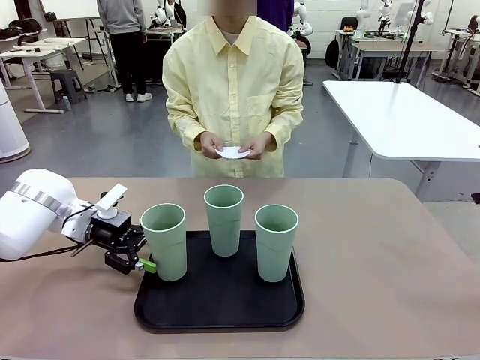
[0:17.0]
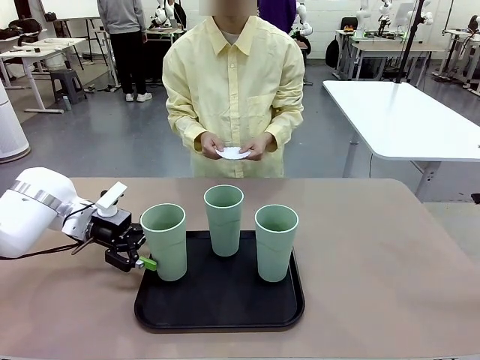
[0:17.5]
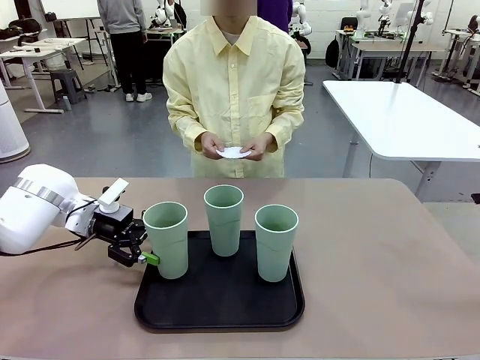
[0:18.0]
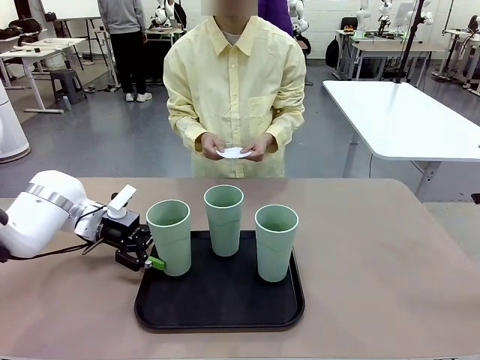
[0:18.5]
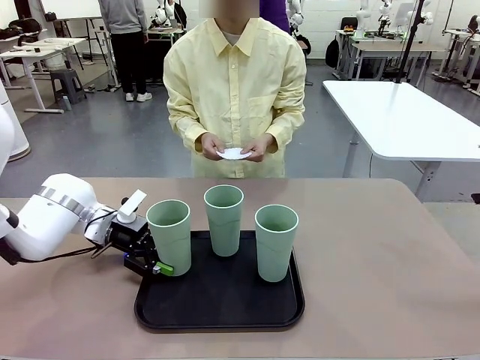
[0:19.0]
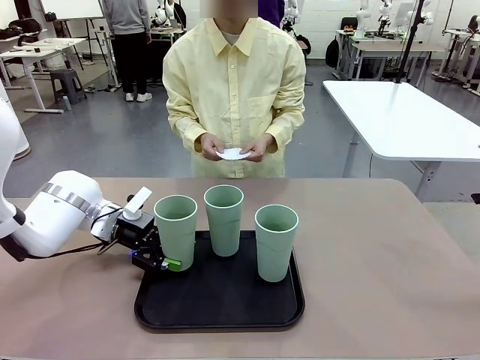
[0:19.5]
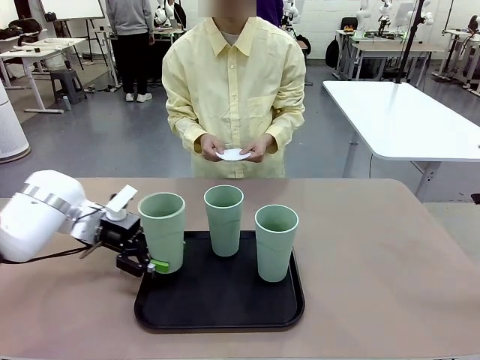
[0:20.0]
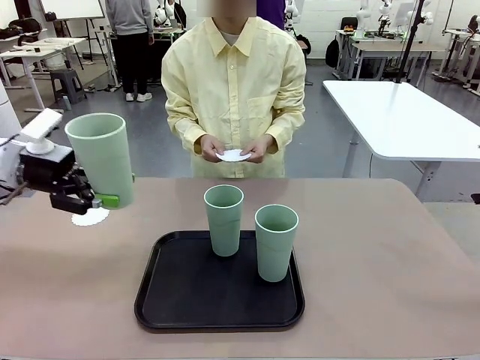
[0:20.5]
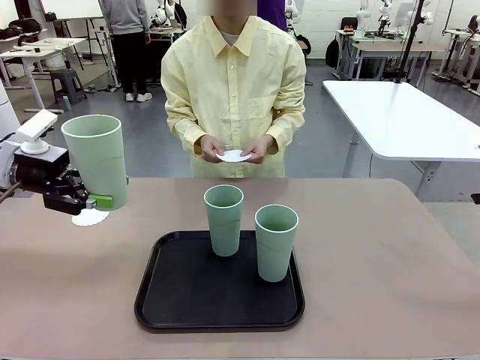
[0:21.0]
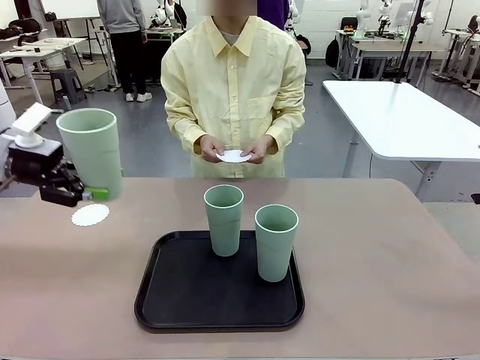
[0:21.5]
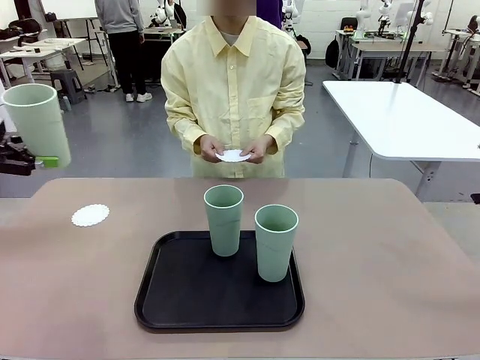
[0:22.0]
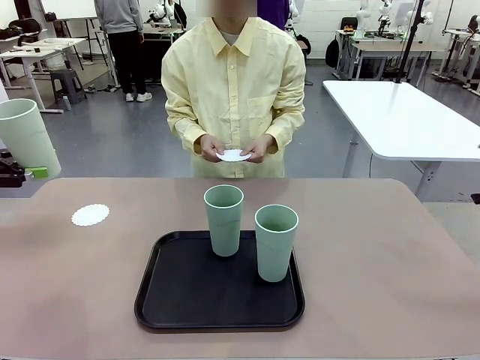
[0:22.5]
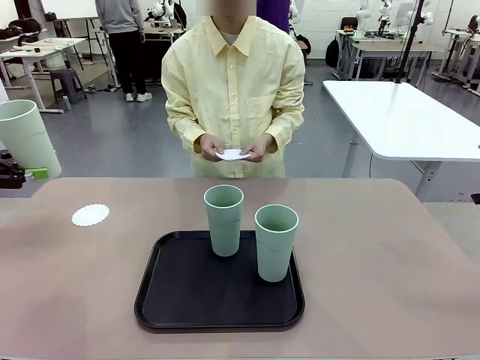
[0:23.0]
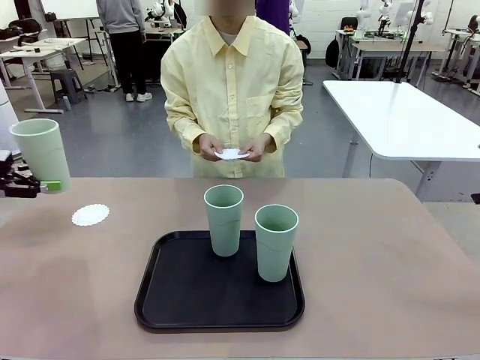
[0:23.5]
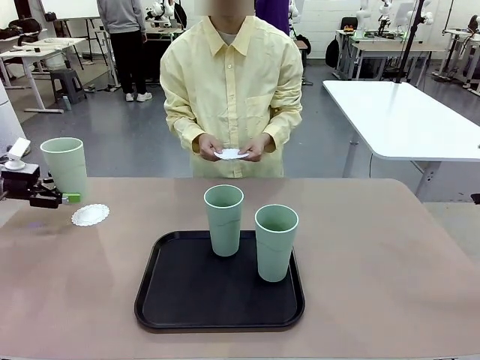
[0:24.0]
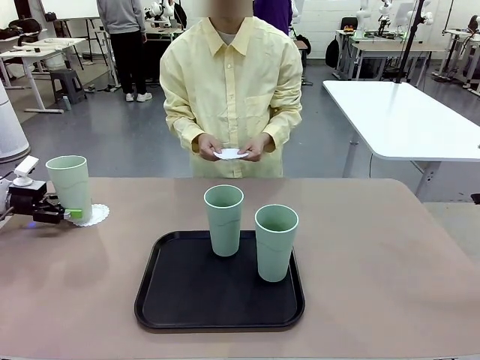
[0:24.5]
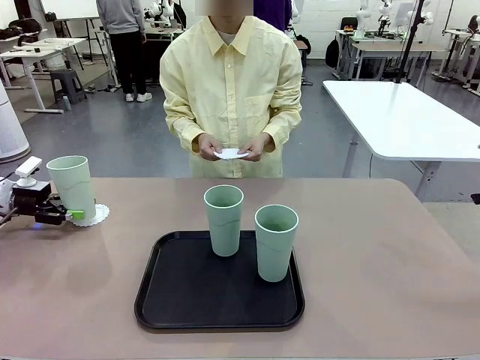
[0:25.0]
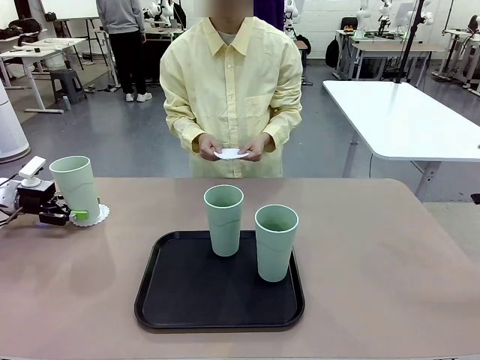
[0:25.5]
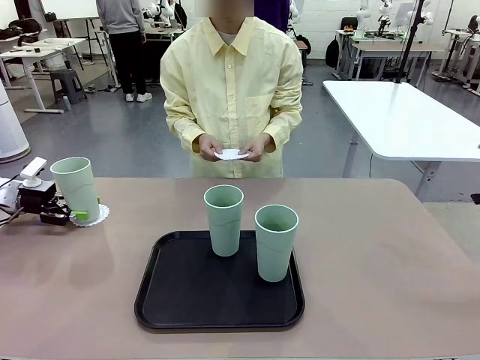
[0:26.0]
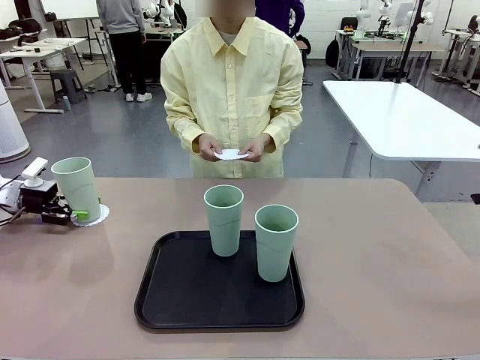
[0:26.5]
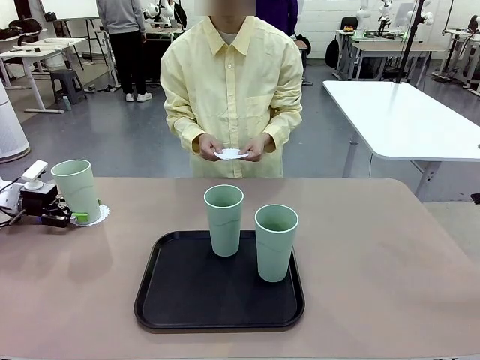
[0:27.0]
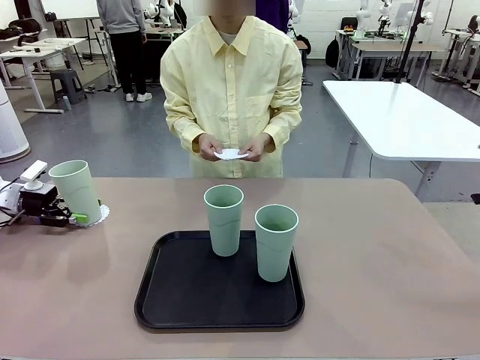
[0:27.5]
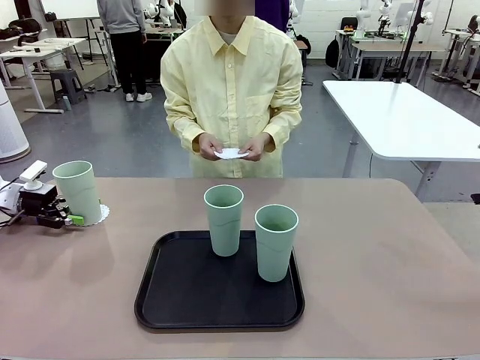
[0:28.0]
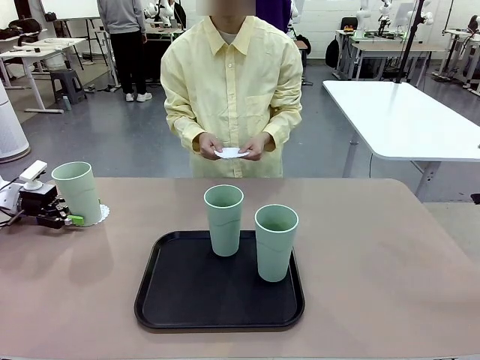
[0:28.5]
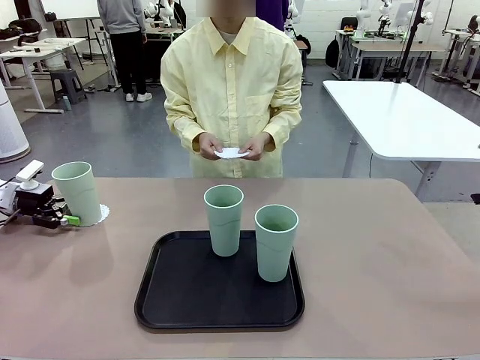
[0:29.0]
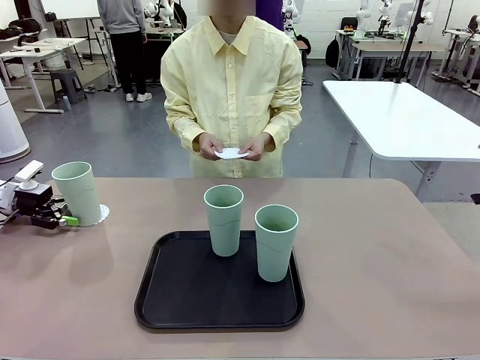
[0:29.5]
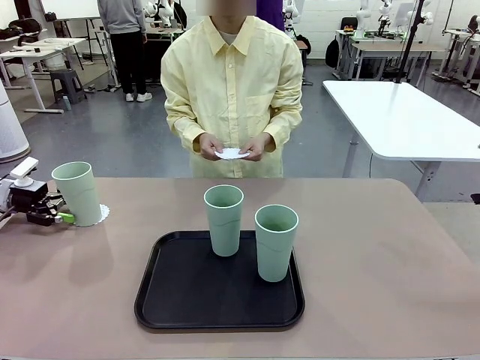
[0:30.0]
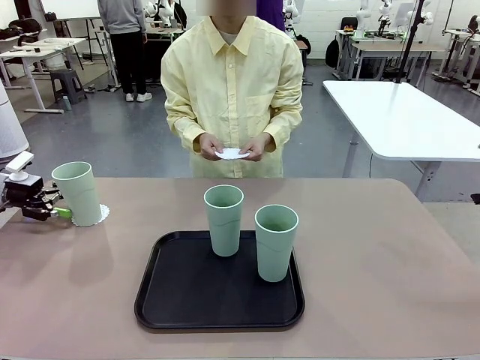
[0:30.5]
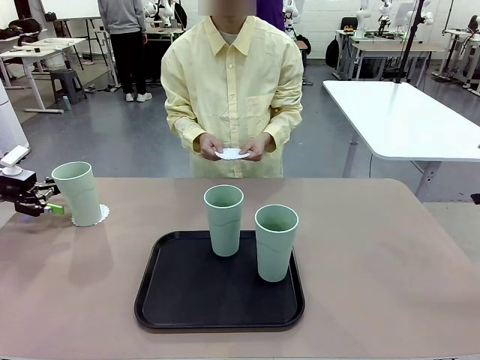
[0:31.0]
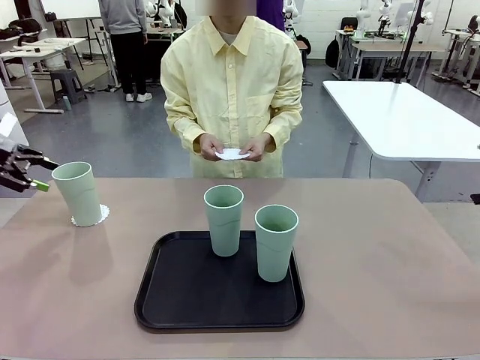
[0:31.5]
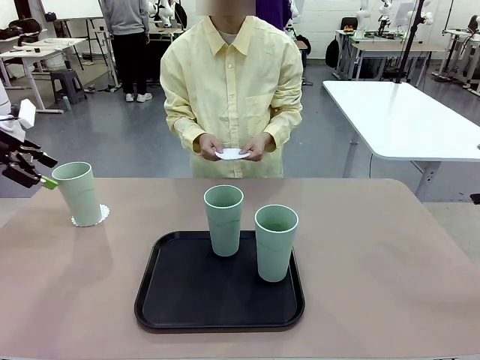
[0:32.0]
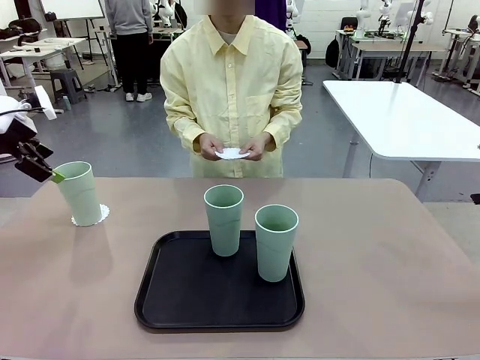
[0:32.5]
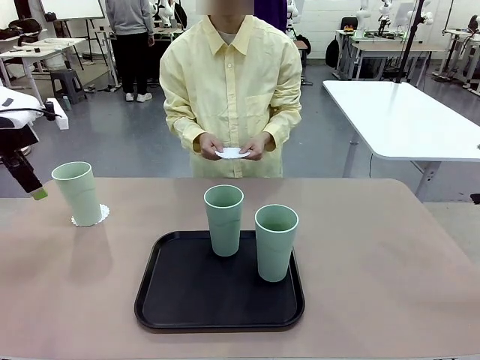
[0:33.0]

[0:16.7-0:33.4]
Task: Place coasters on the table and set cups on them.
Robot: Pick up one Reusable plastic cup and place it on a coaster set by the human.
Person: Place one coaster in one of the two areas excluding the previously selected area.

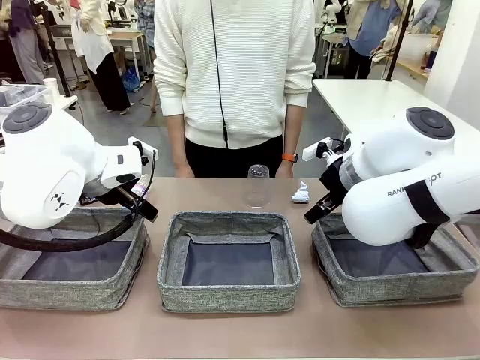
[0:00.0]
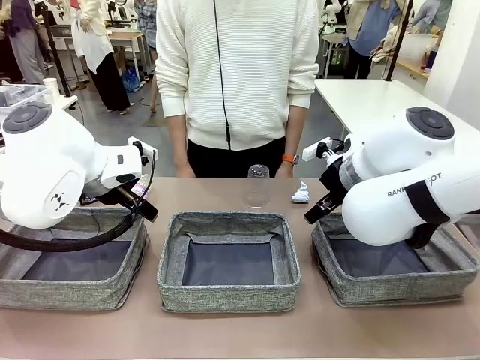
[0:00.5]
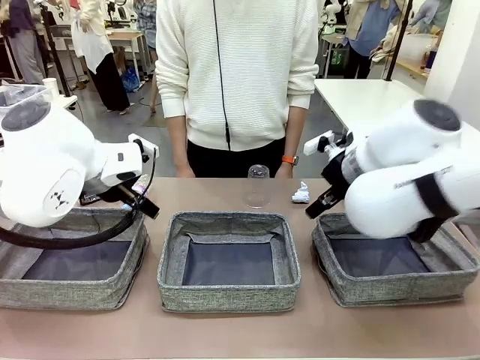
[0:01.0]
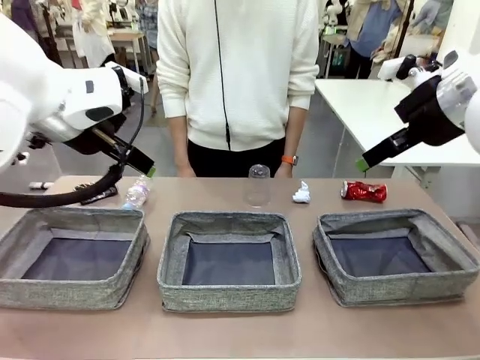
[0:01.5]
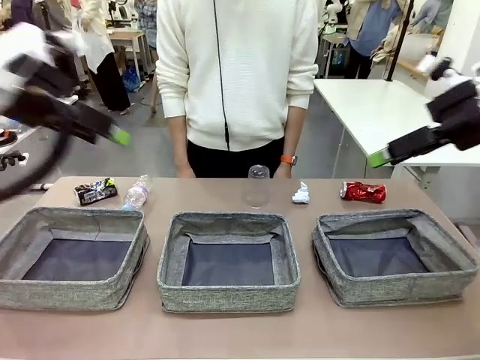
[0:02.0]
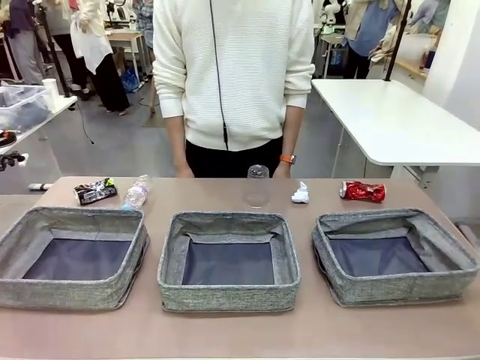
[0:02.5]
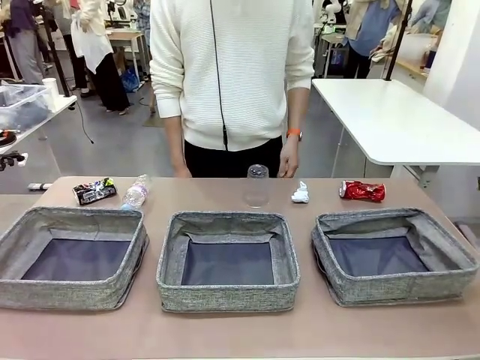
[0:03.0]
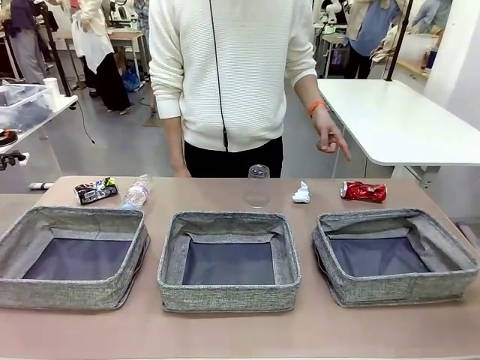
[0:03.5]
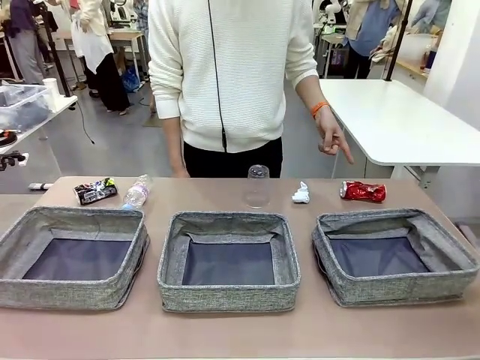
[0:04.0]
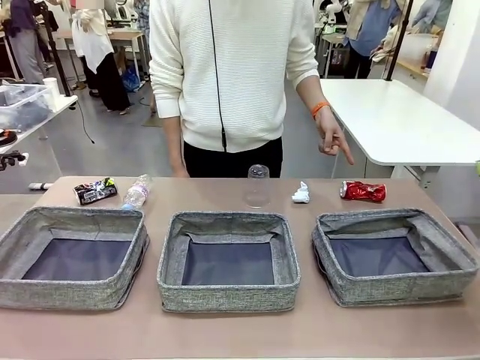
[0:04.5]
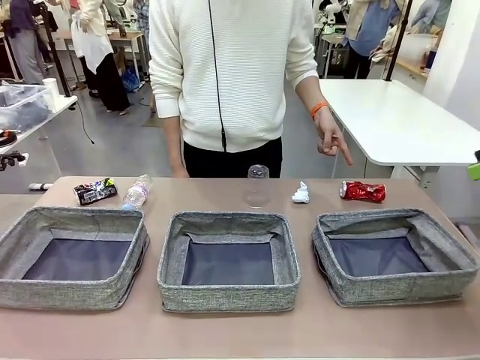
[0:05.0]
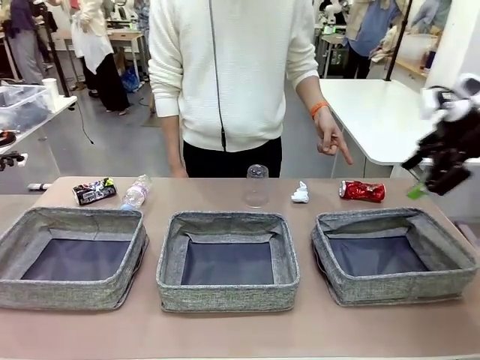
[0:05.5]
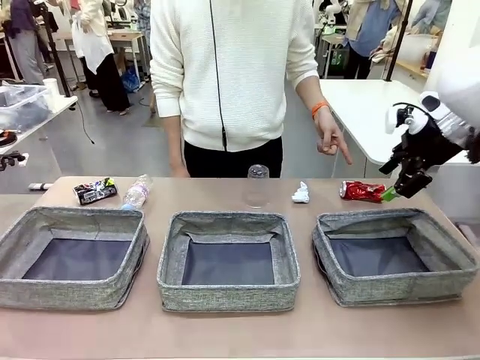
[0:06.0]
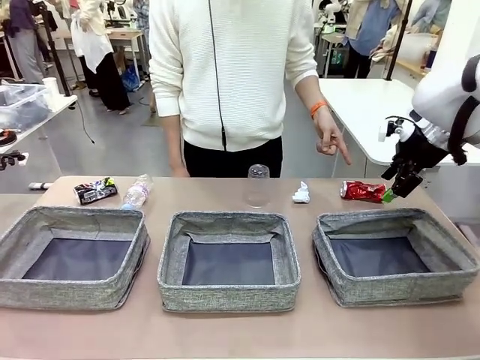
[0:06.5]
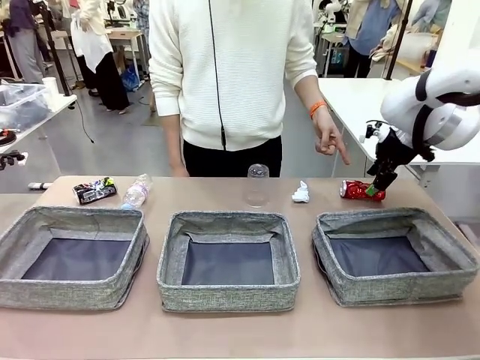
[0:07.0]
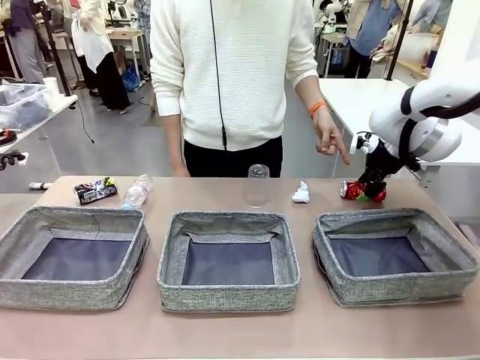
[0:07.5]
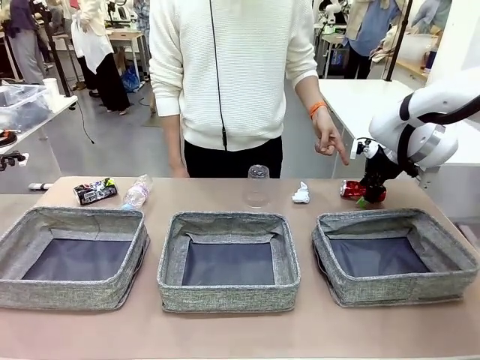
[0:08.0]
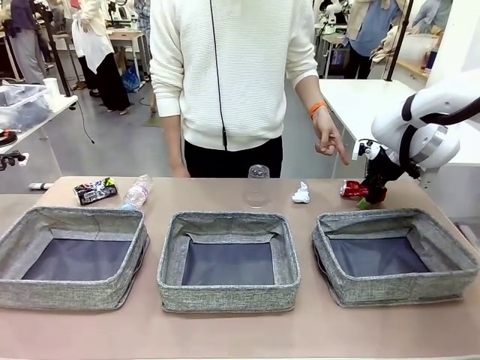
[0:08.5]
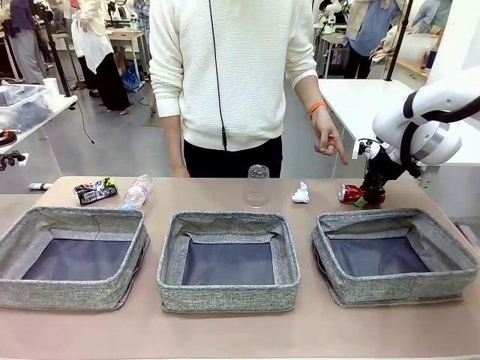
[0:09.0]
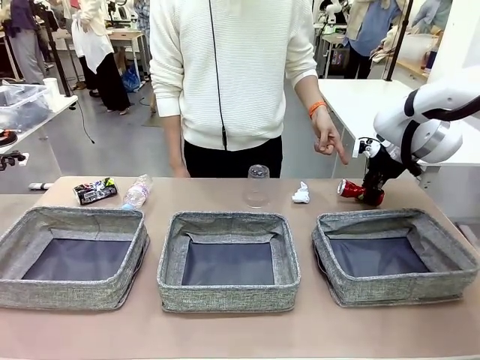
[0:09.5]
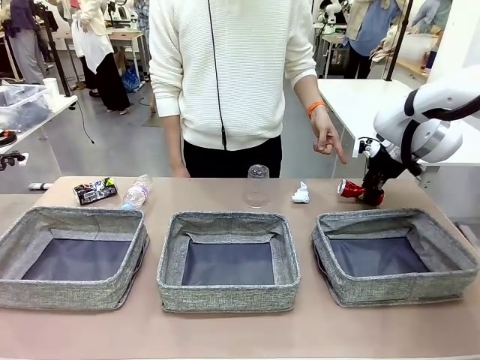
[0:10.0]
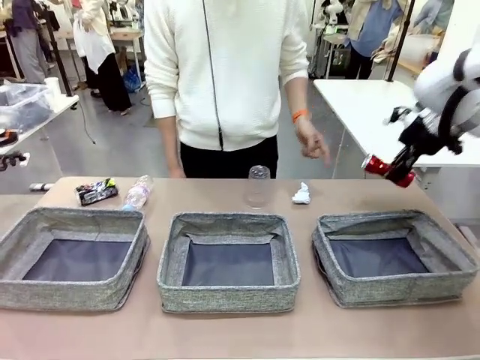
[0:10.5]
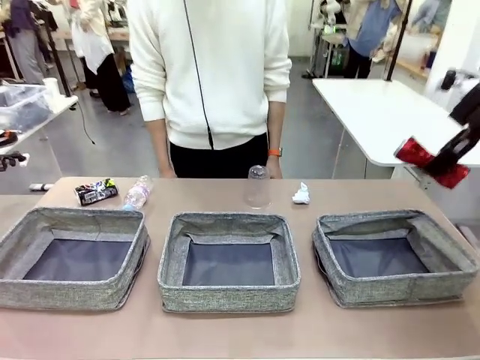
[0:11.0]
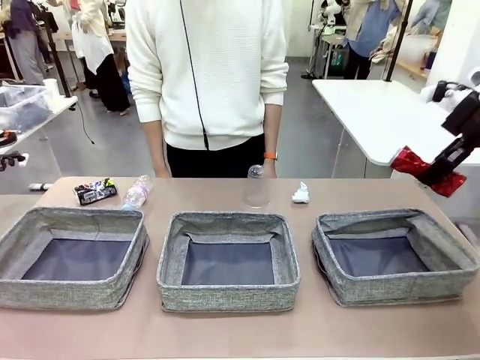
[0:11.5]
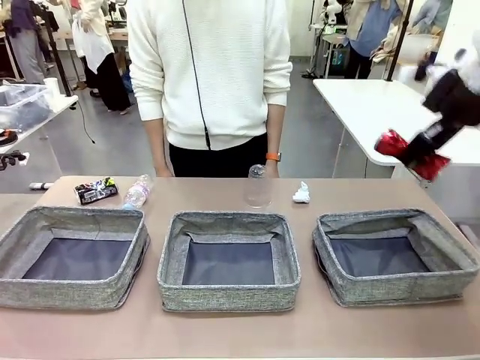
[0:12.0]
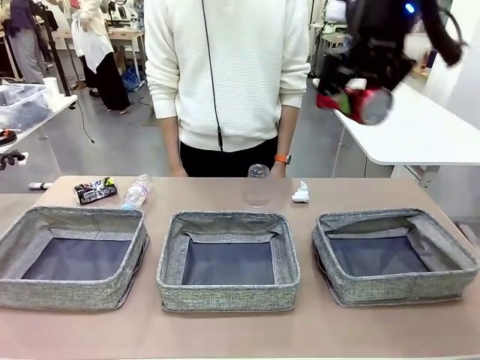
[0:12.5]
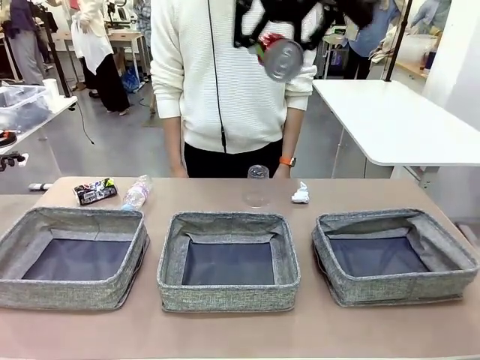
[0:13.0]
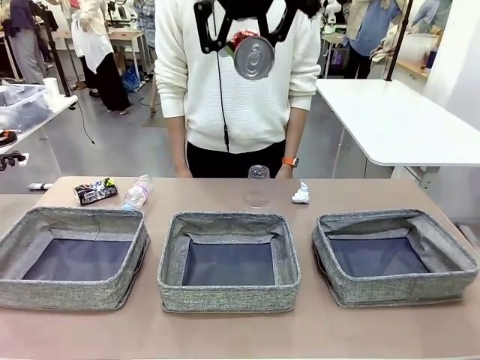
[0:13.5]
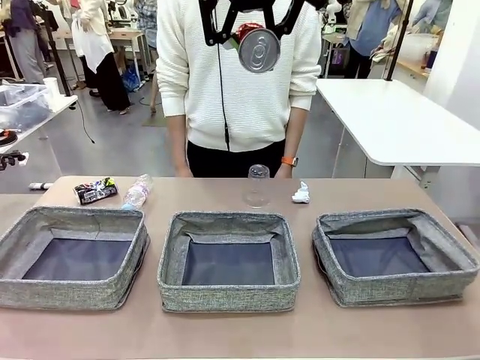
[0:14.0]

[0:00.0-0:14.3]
Task: Sort the waste into the appropriate baskets.
Robot: Pick up the waste item pointed out by the person.
Person: Points to one piece of trash on the table.
